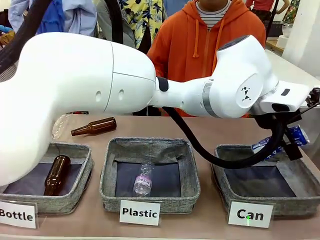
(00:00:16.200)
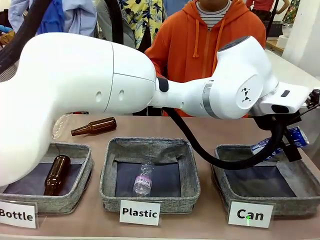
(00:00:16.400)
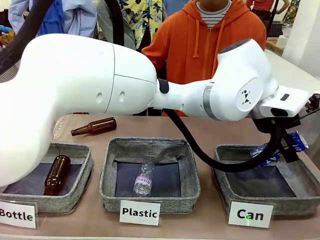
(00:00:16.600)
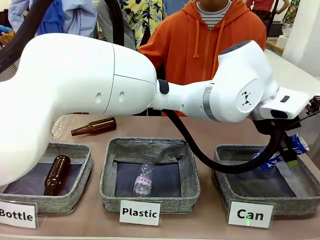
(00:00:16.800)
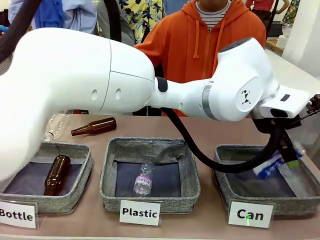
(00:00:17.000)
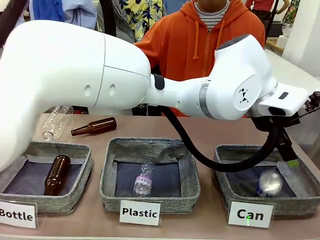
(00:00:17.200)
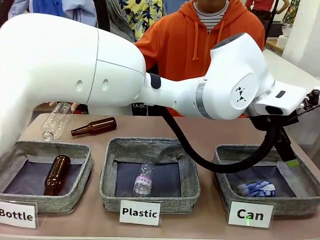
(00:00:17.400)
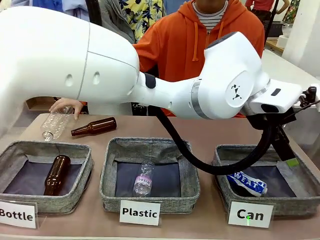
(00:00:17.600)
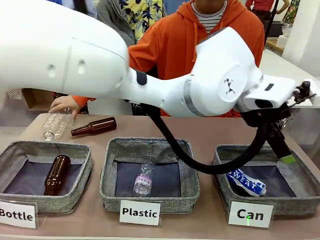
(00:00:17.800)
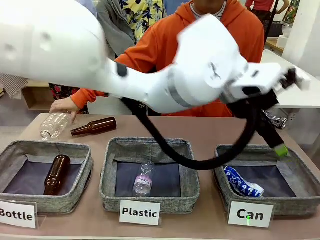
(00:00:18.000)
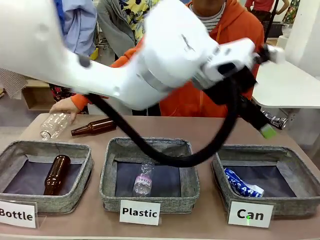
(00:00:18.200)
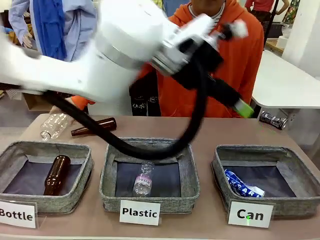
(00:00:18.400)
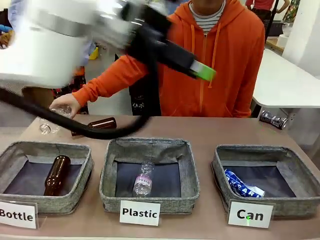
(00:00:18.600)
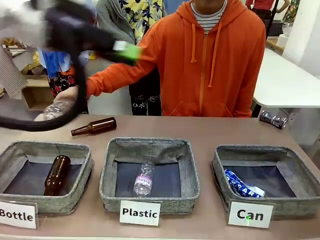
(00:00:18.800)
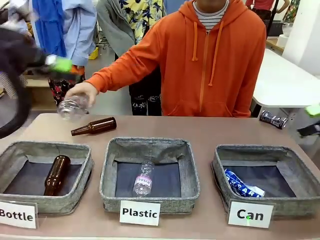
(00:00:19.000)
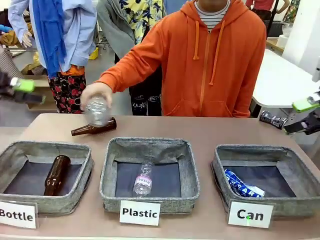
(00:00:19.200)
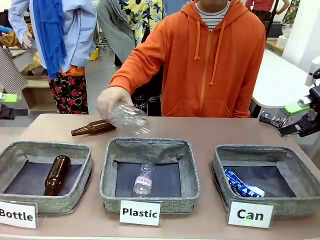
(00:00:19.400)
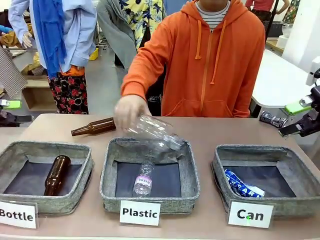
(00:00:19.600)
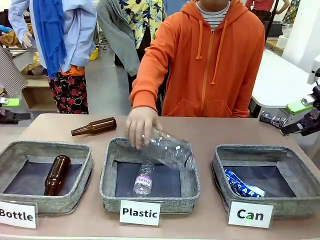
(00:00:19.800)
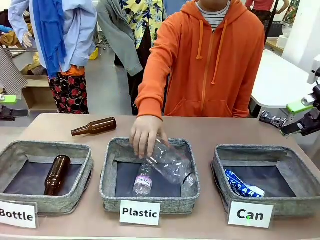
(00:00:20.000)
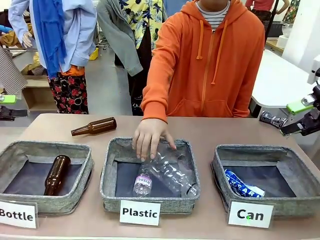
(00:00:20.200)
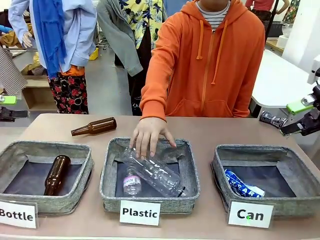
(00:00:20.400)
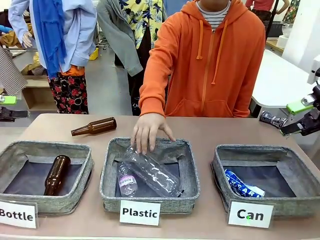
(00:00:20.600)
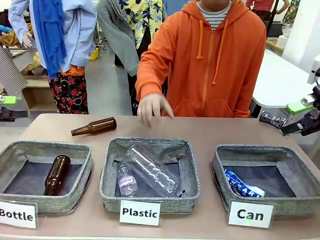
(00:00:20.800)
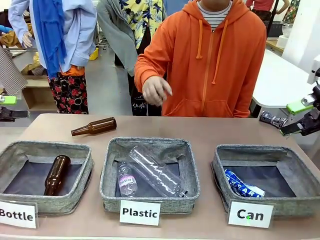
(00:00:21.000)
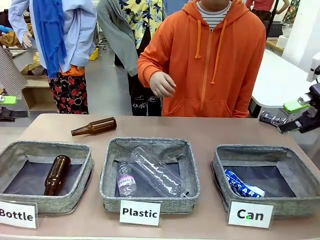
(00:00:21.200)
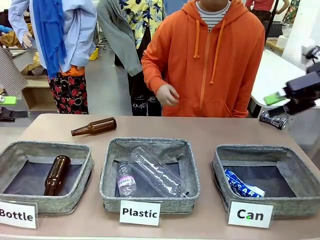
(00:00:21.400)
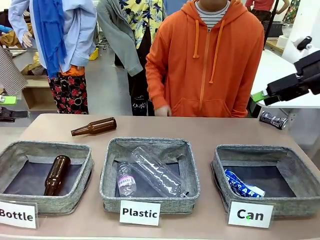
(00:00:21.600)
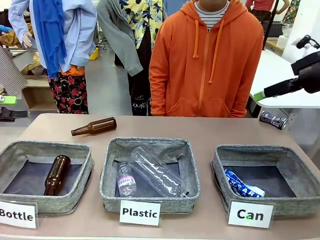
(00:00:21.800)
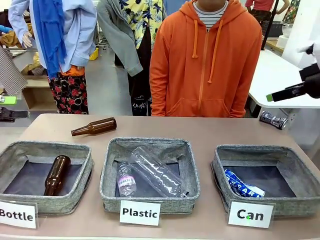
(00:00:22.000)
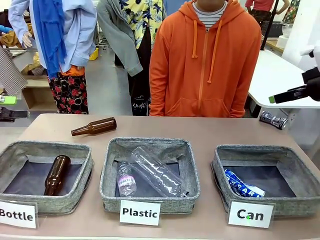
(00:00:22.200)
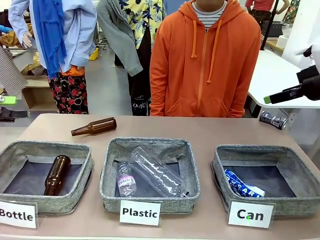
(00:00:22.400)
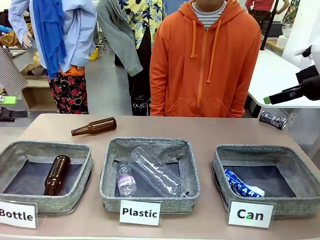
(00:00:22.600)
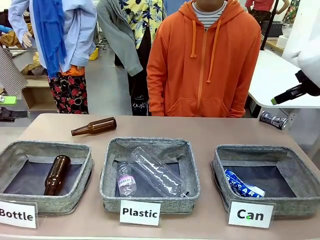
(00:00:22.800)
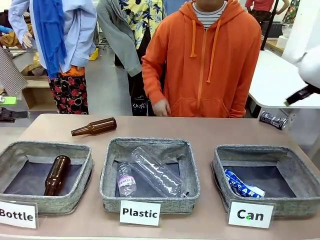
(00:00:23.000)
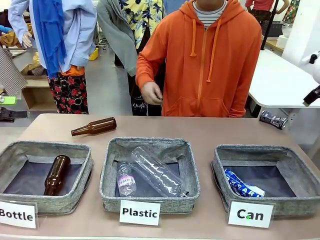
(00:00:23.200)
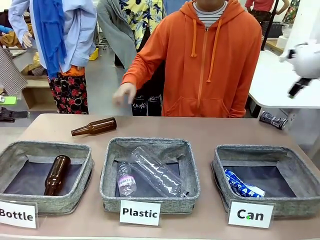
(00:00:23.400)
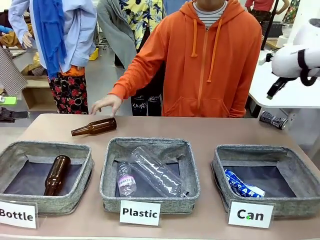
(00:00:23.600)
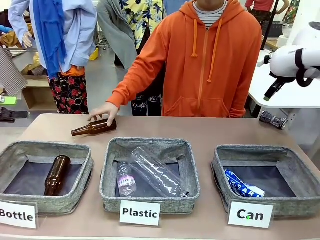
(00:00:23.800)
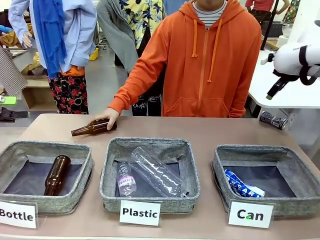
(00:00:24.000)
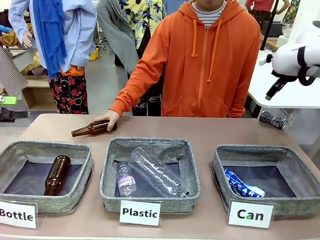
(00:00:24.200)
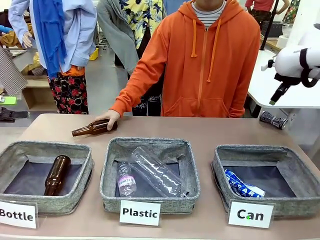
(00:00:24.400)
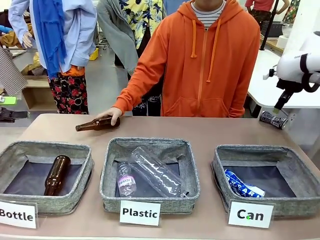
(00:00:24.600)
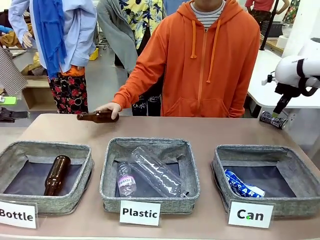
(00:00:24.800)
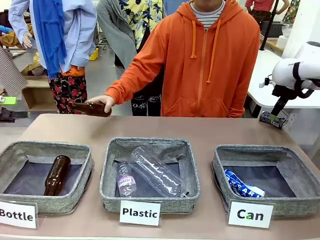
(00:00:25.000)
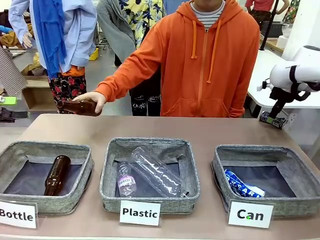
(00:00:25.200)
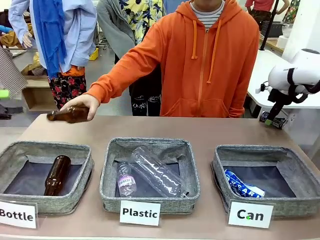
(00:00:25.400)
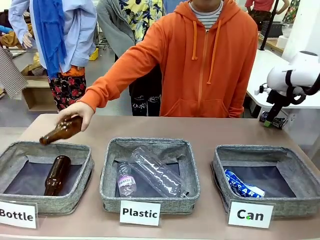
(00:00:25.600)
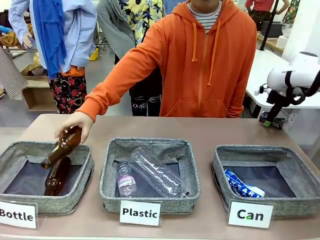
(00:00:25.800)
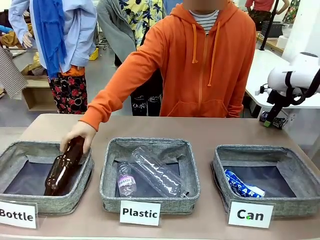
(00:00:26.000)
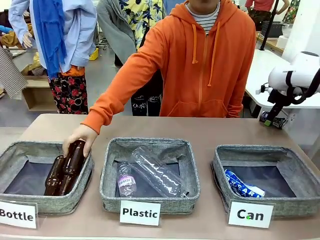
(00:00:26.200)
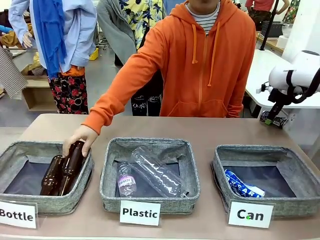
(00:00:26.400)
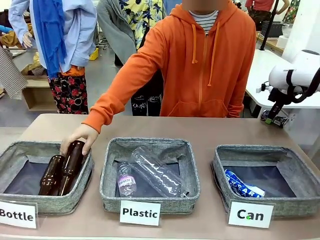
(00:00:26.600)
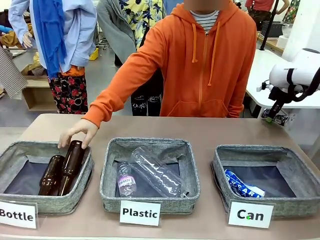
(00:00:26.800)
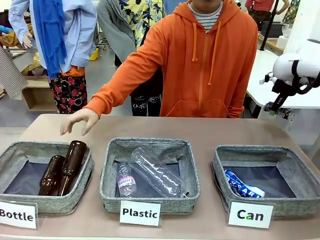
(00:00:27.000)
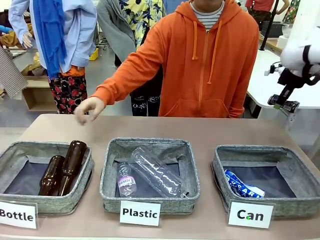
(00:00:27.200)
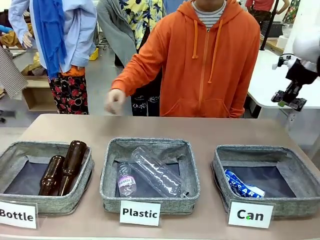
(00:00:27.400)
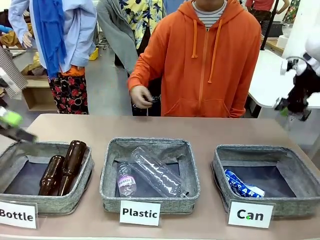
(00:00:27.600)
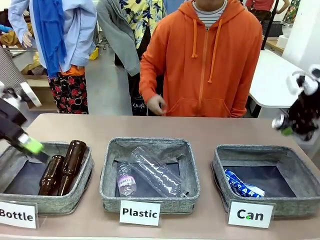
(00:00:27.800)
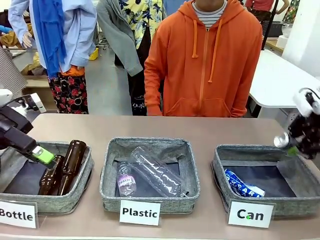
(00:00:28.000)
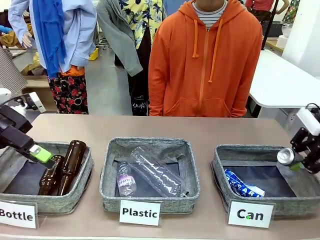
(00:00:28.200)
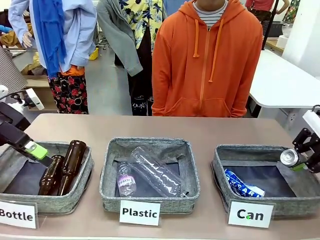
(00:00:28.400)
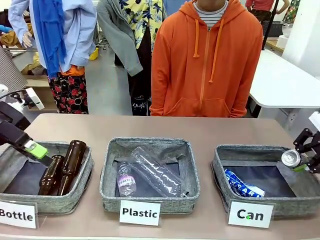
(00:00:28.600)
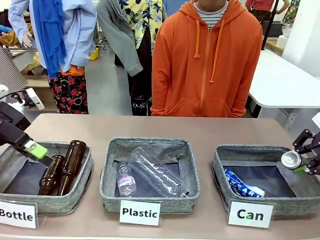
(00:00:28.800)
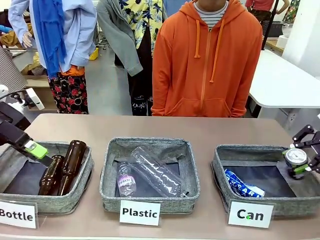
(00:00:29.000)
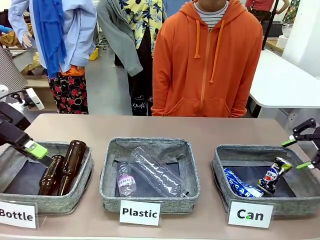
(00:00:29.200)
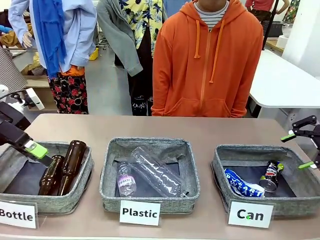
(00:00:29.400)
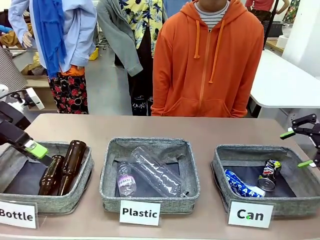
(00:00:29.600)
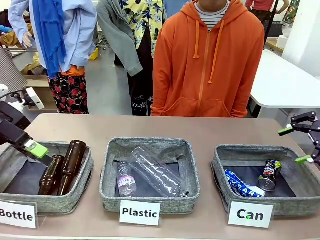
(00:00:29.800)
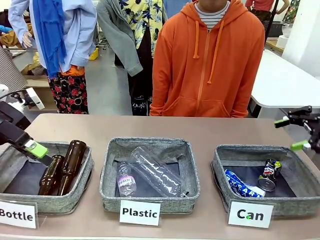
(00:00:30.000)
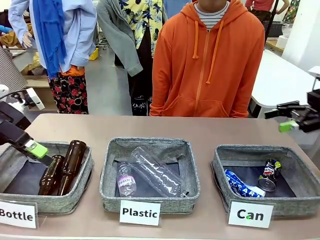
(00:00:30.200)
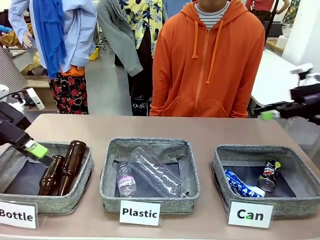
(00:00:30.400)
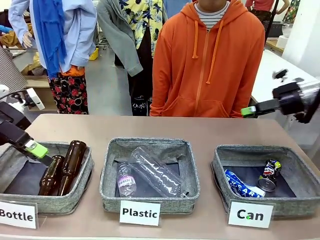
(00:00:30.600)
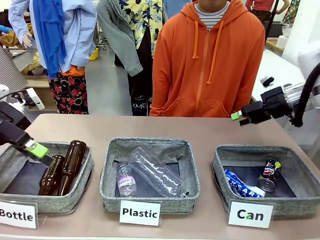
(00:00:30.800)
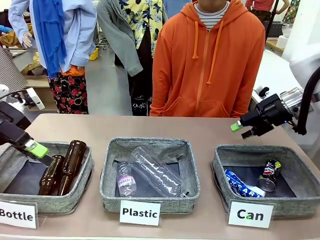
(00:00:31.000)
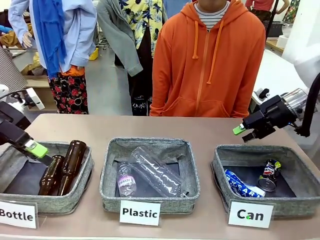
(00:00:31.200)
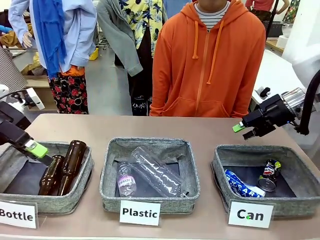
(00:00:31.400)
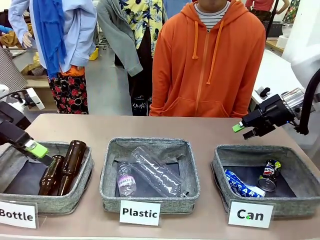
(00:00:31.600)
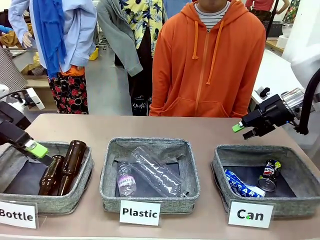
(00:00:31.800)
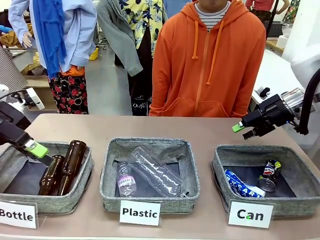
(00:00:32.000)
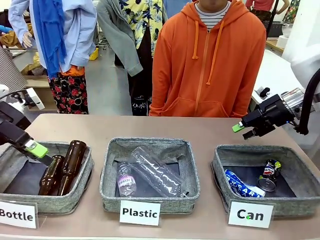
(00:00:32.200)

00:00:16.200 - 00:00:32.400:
Task: Sort the can waste into the basket.
Robot: Pick up the can waste from the table and place it in the right Fabric basket.
